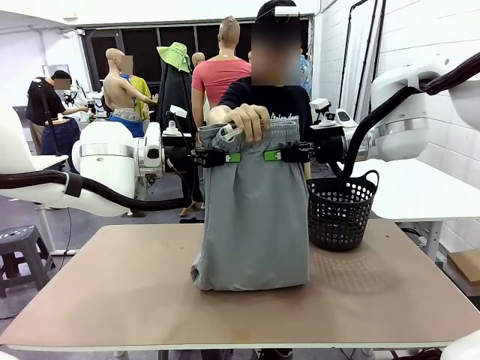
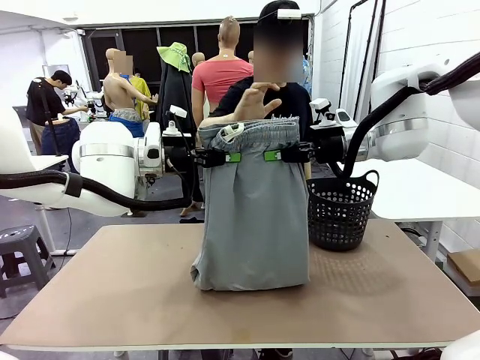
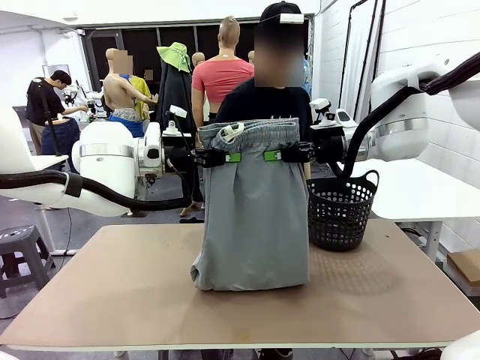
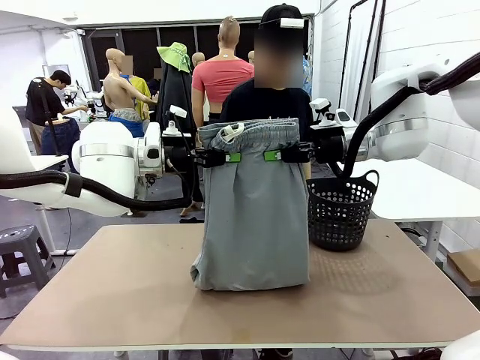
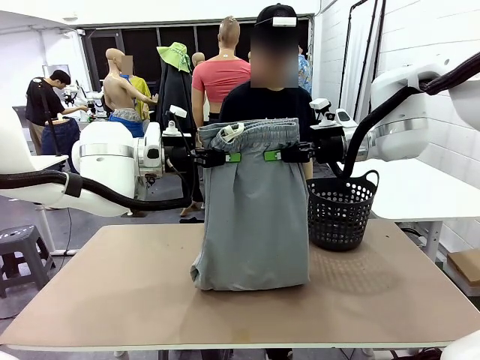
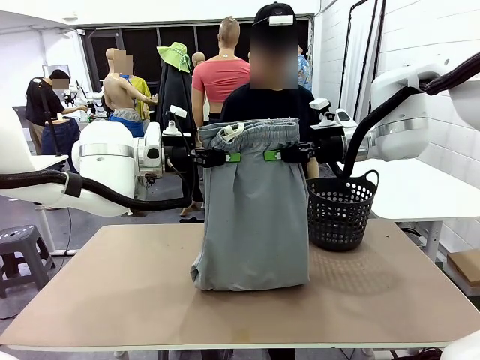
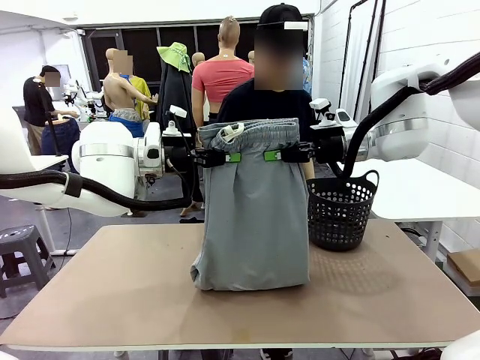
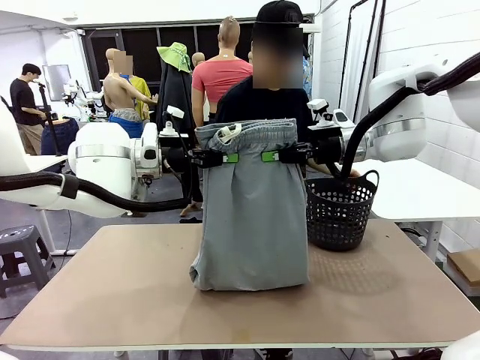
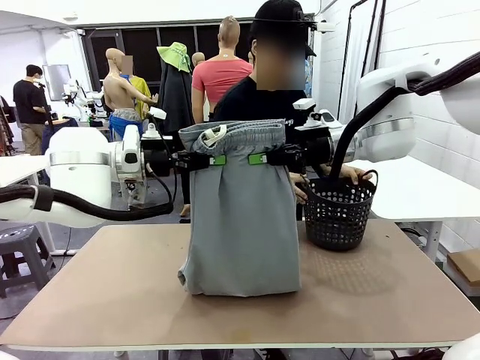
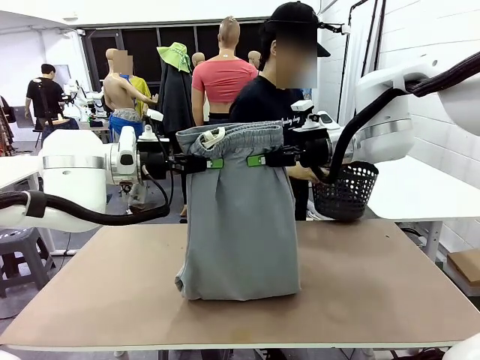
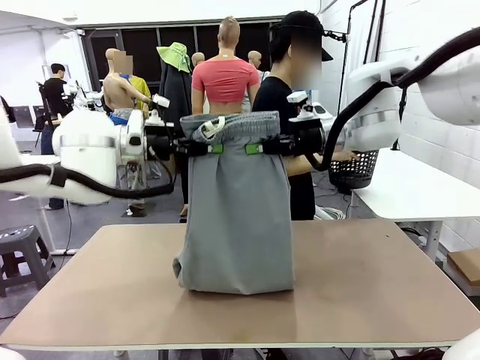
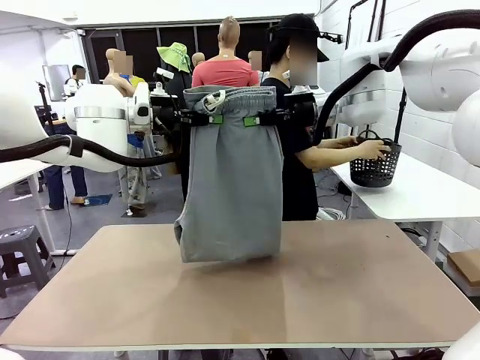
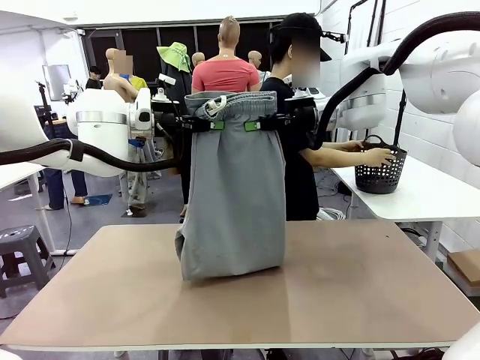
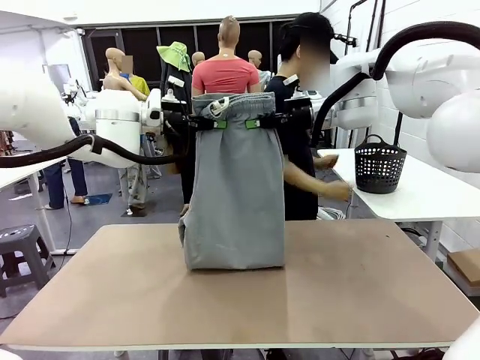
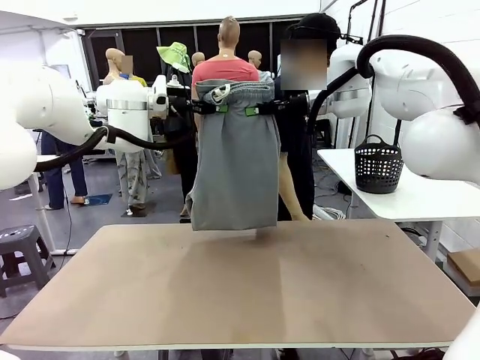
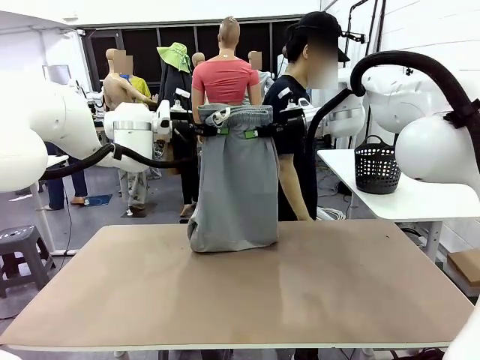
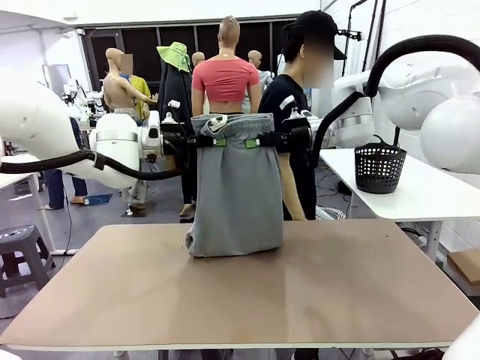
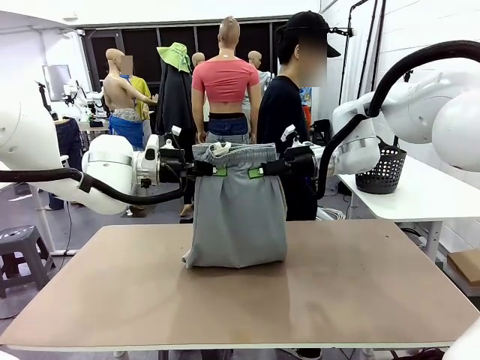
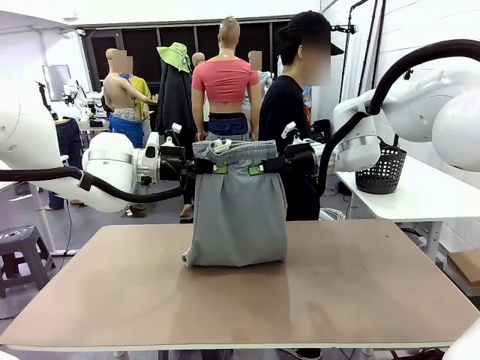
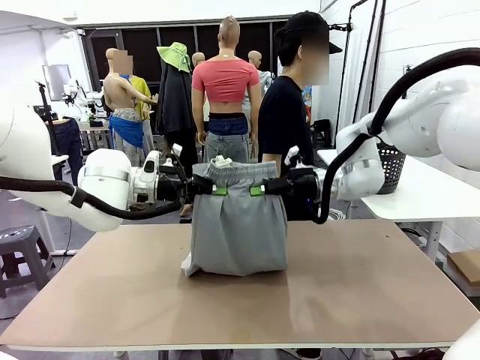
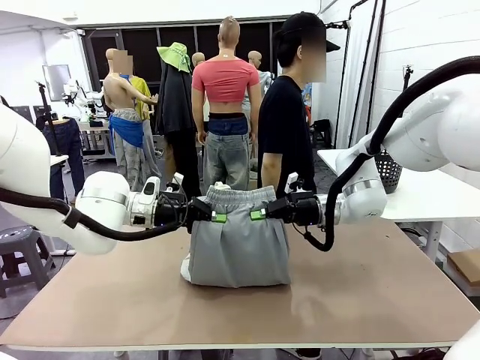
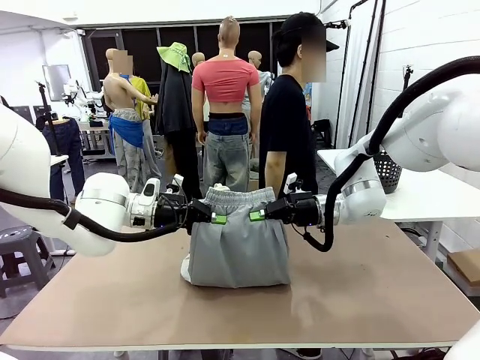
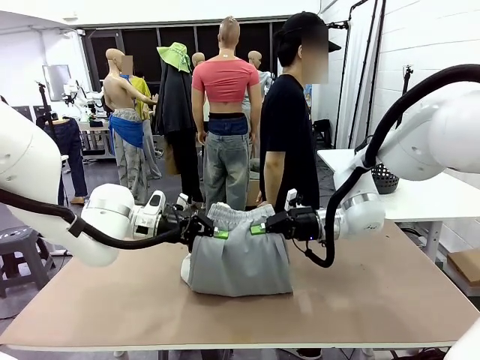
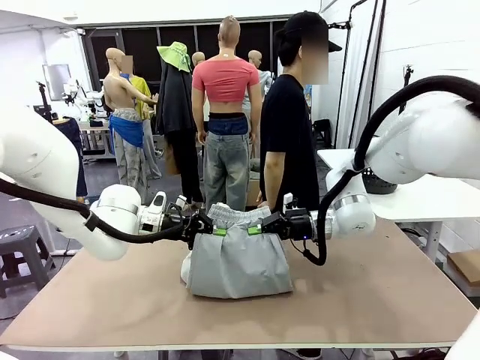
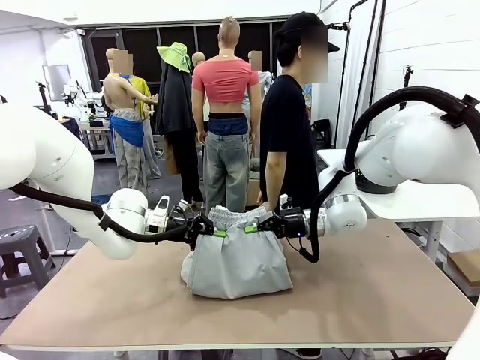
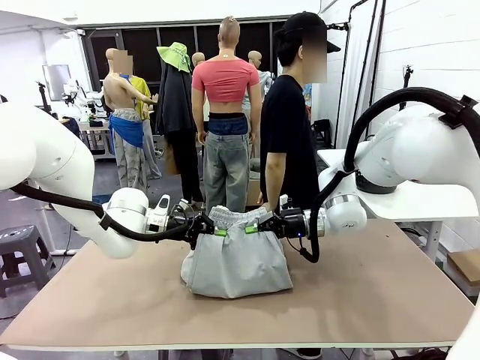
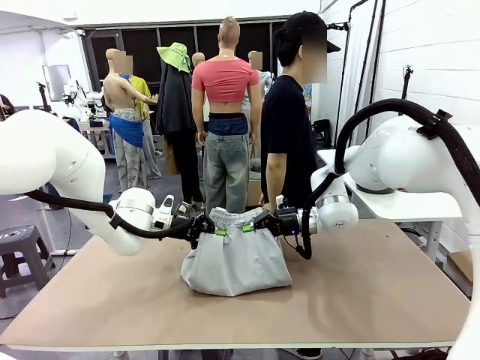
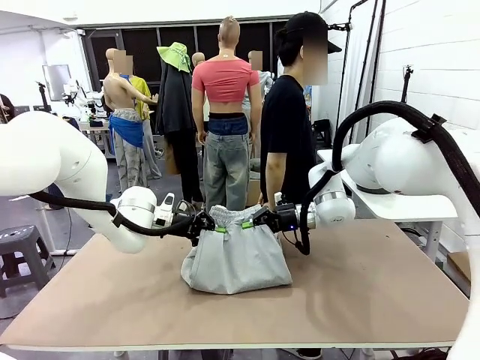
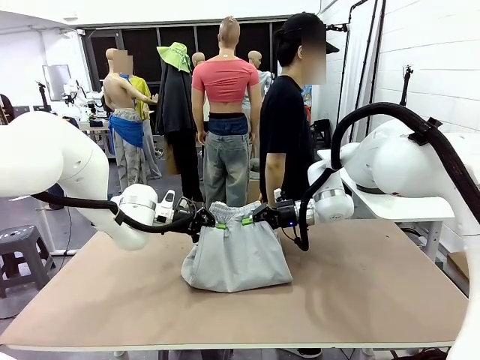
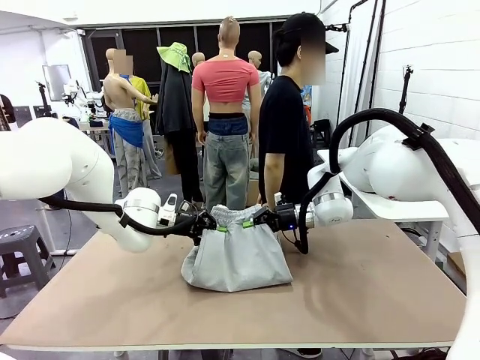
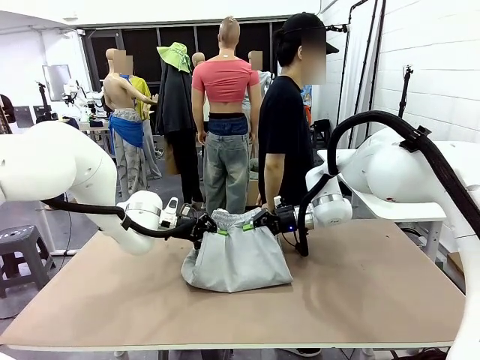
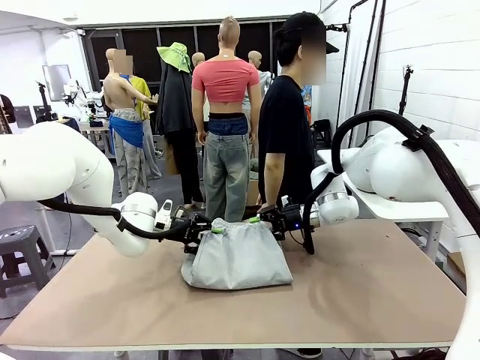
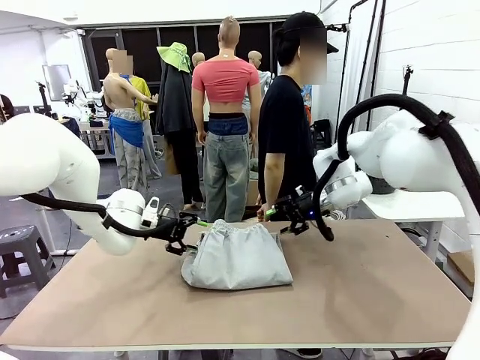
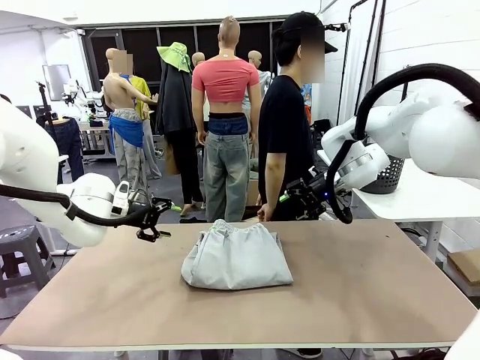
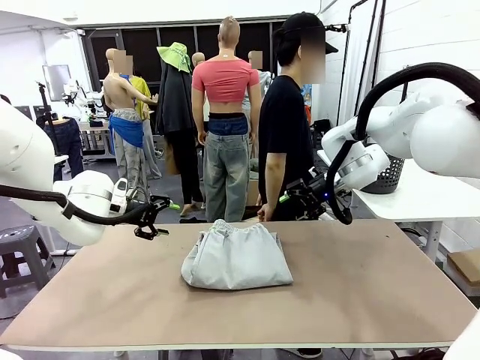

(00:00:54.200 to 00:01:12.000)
Task: Fold the training pants.
Robot: Fold the Training pants in half.
Person: Move the laundry basket to the right of the human table.

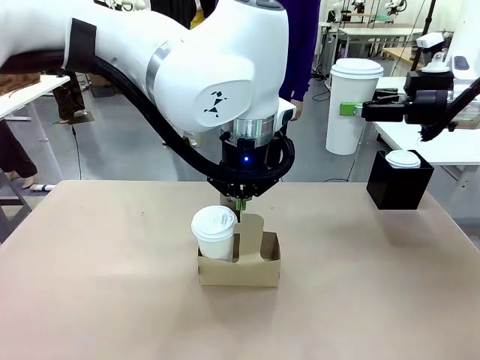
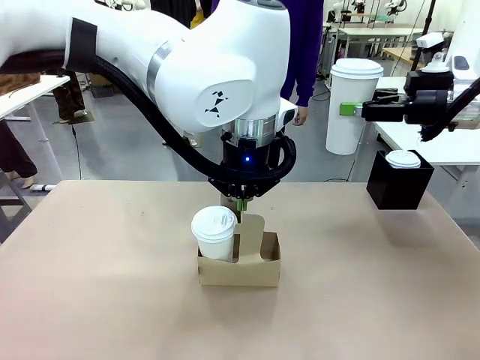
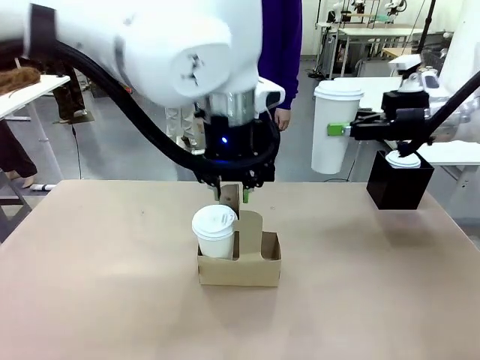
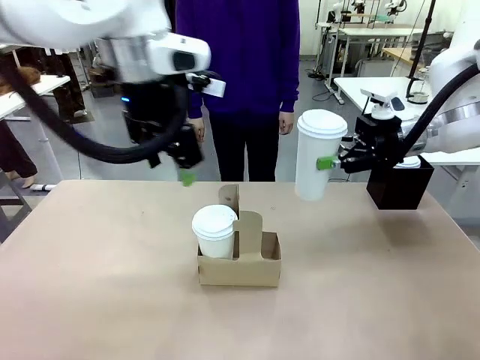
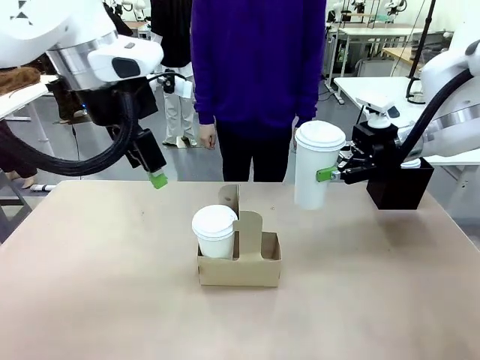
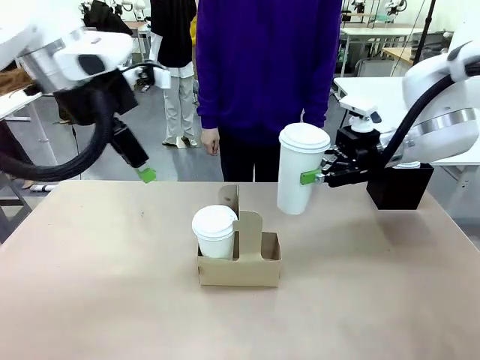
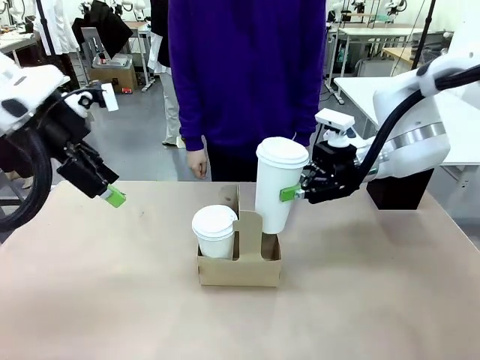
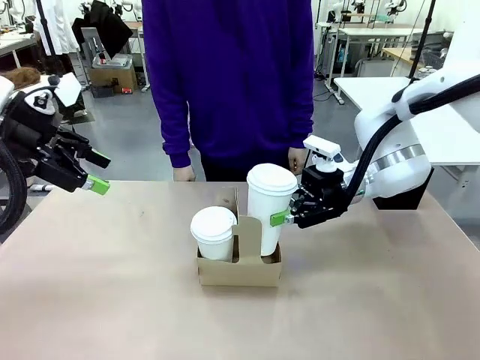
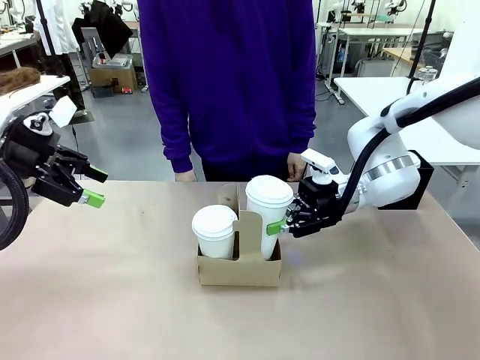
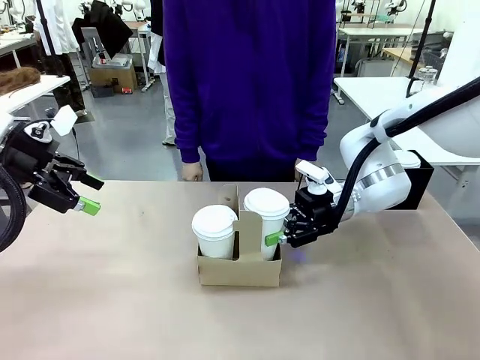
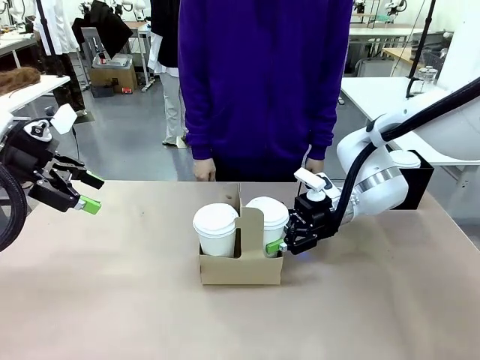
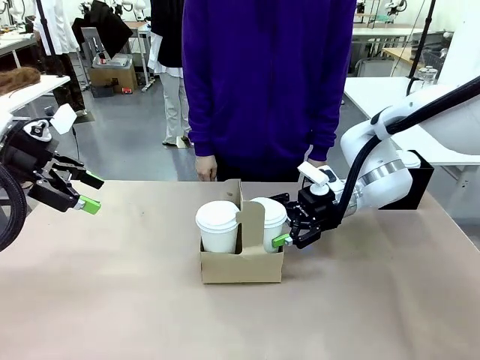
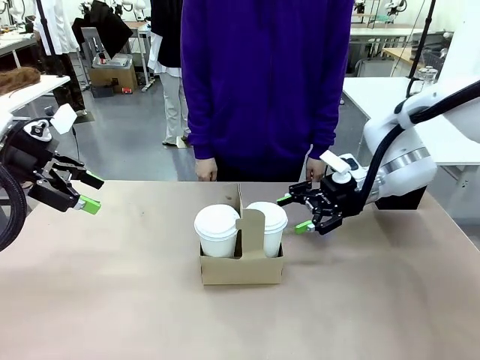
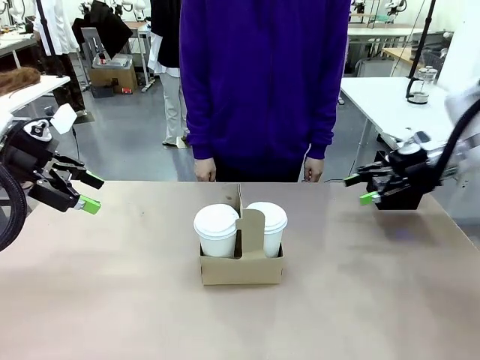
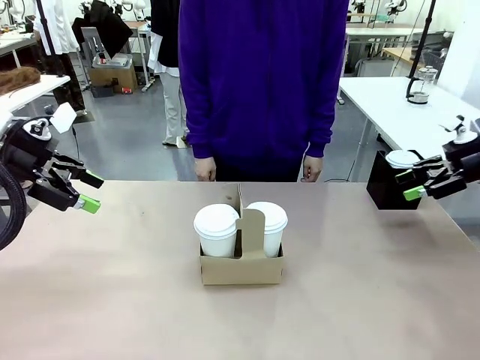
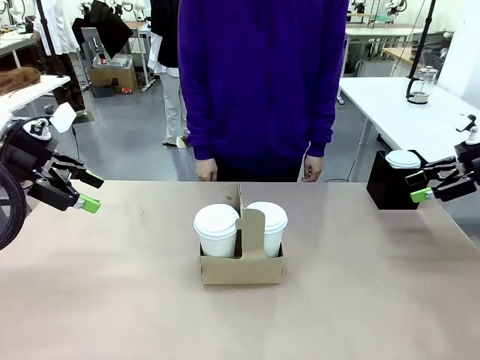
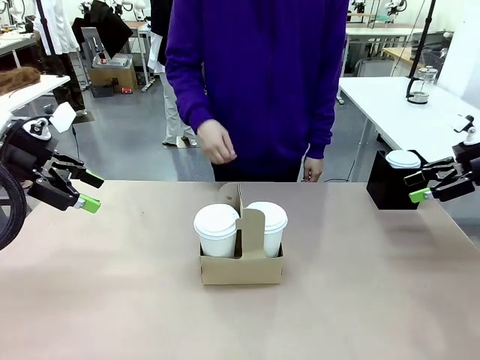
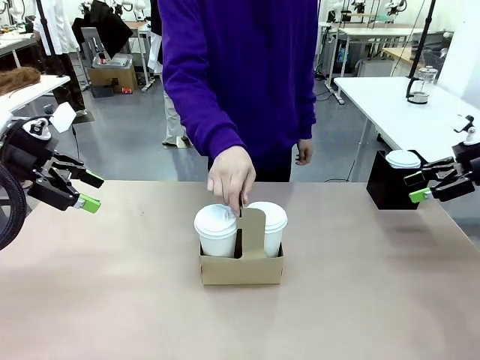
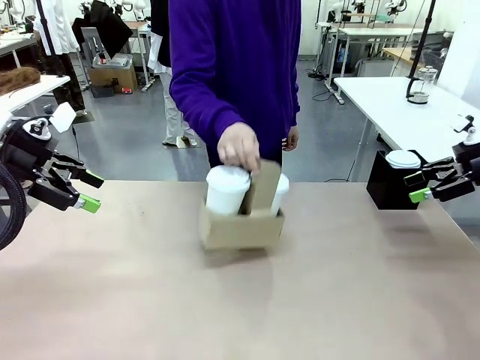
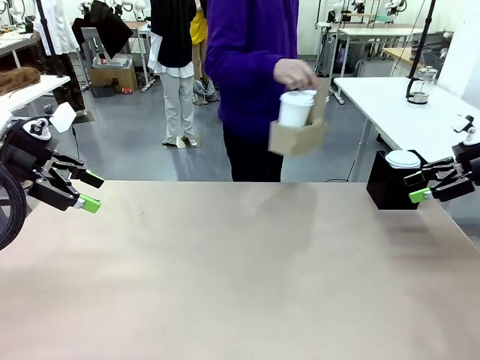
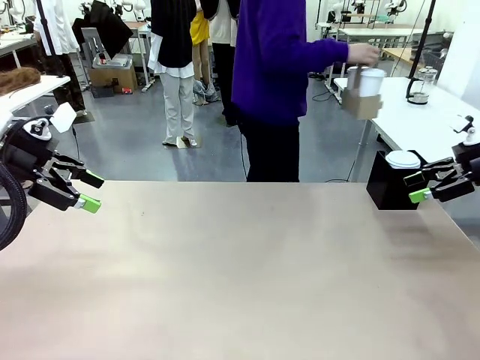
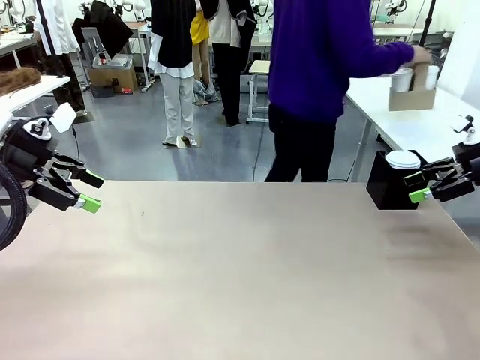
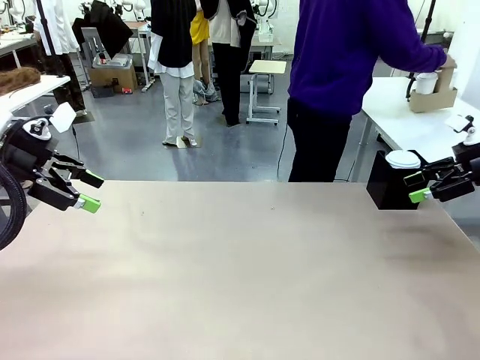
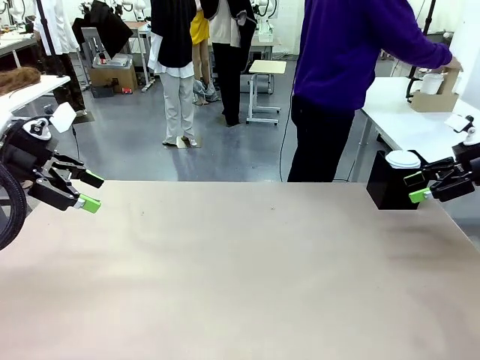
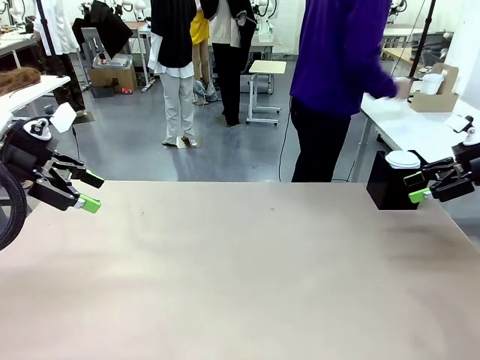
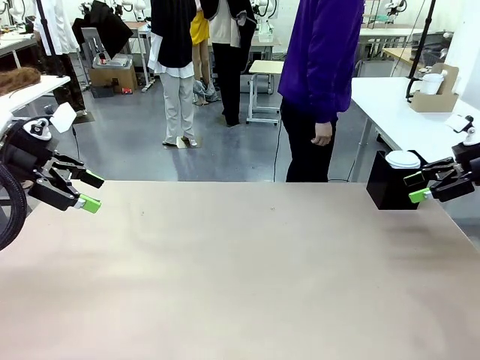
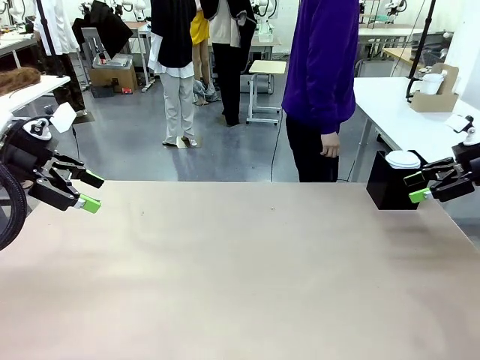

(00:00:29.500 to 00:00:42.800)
Task: Pour a drink into a cup and package it in a carrier.
Robot: Insert the held 600 ml Paper Cup into the Cup Carrier.
Person: Place the Cup Carrier to the middle of Human table.
